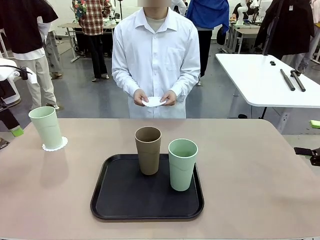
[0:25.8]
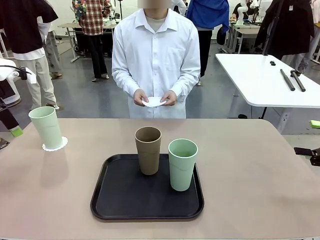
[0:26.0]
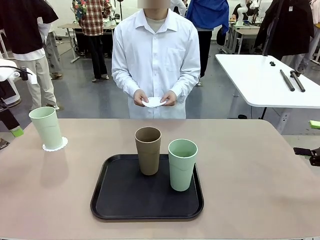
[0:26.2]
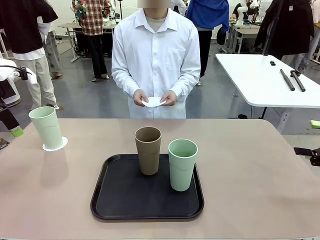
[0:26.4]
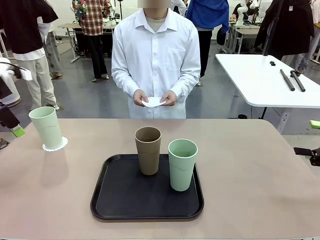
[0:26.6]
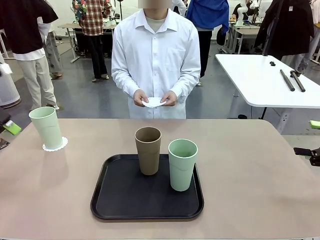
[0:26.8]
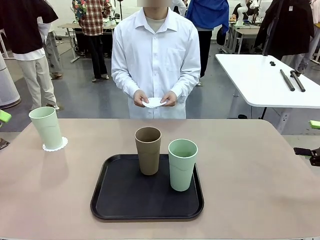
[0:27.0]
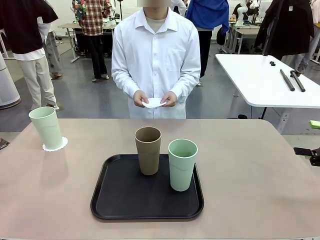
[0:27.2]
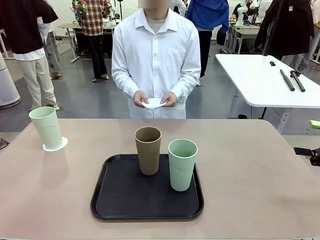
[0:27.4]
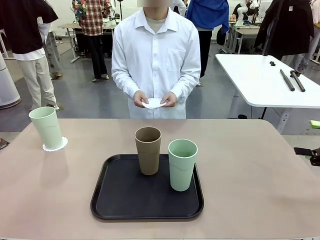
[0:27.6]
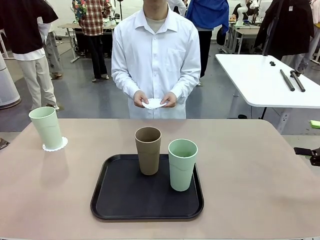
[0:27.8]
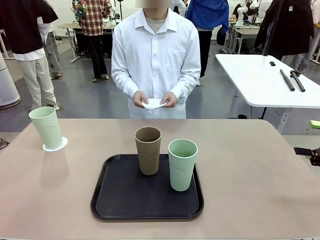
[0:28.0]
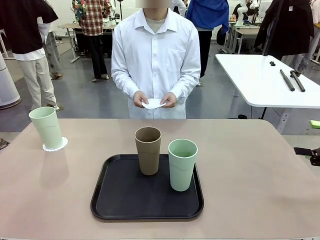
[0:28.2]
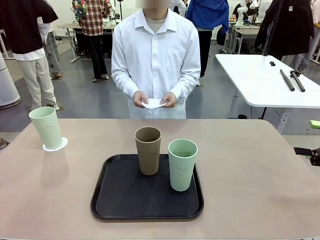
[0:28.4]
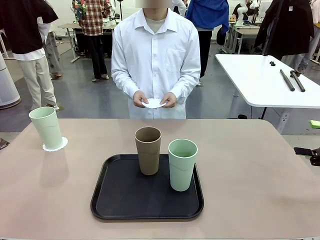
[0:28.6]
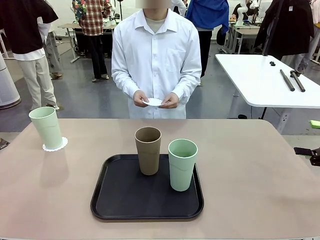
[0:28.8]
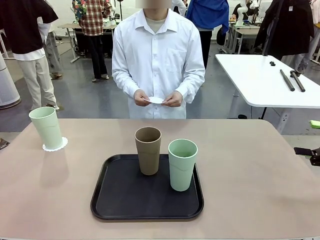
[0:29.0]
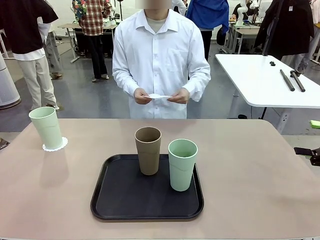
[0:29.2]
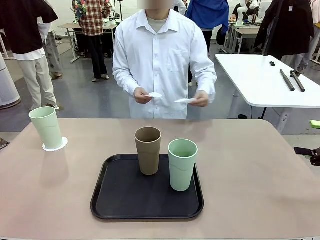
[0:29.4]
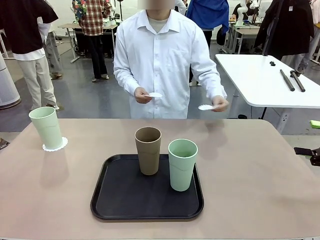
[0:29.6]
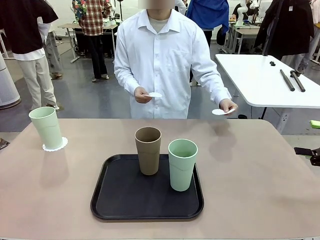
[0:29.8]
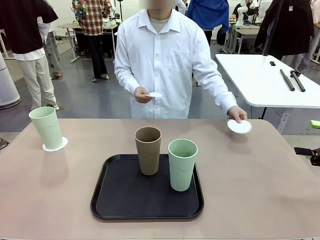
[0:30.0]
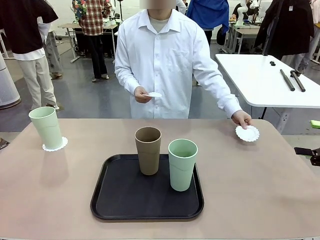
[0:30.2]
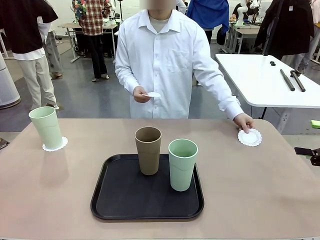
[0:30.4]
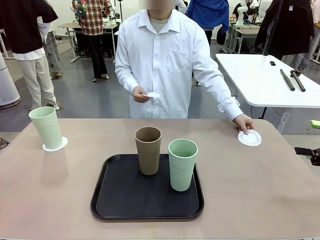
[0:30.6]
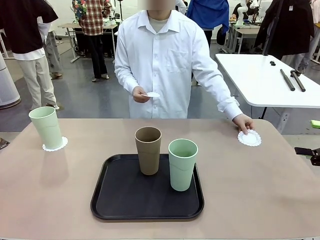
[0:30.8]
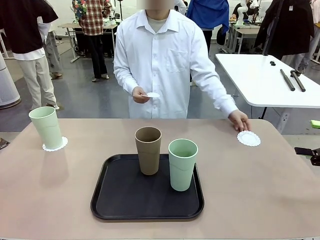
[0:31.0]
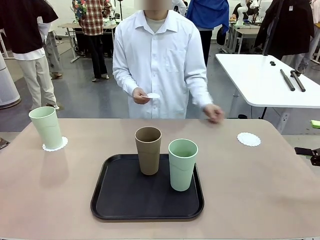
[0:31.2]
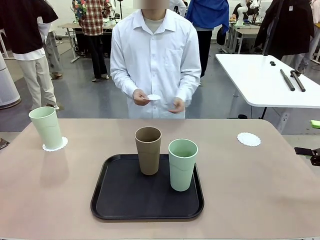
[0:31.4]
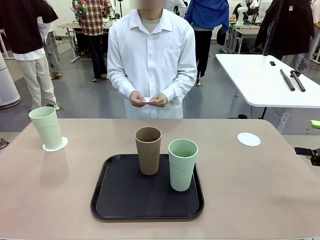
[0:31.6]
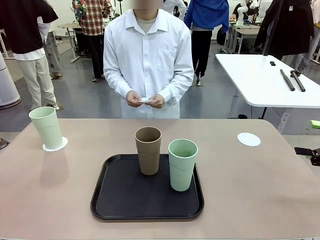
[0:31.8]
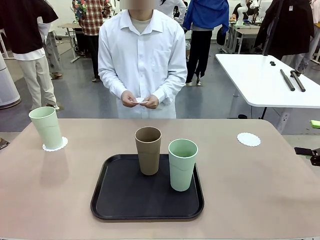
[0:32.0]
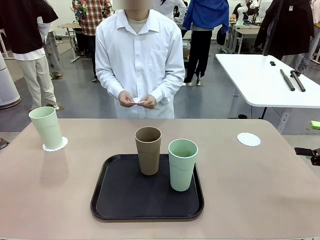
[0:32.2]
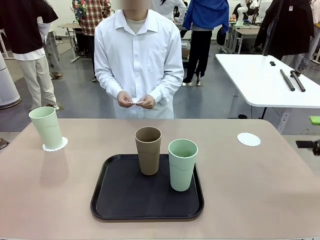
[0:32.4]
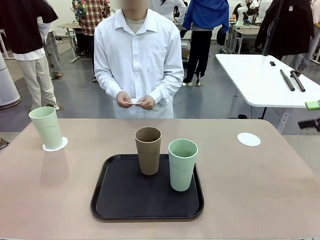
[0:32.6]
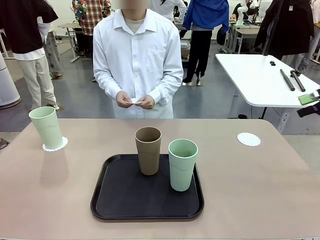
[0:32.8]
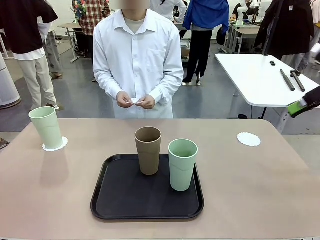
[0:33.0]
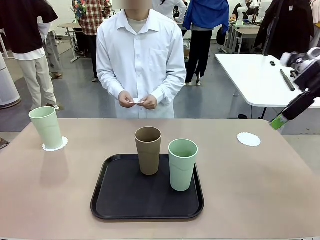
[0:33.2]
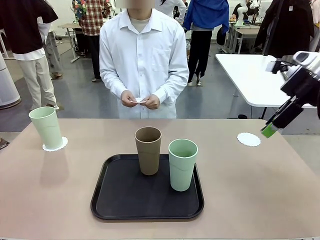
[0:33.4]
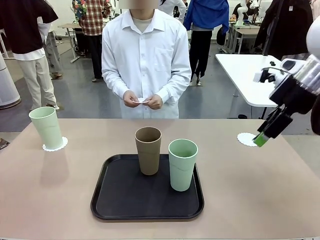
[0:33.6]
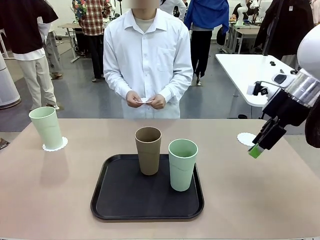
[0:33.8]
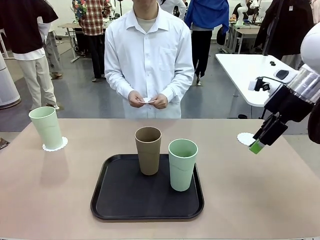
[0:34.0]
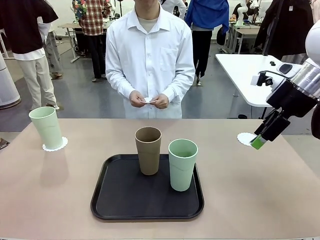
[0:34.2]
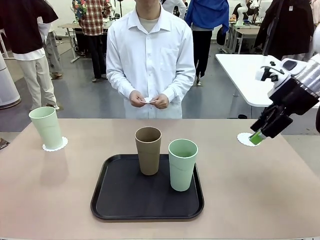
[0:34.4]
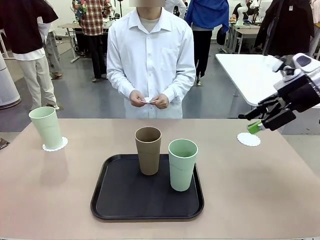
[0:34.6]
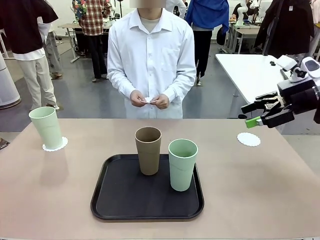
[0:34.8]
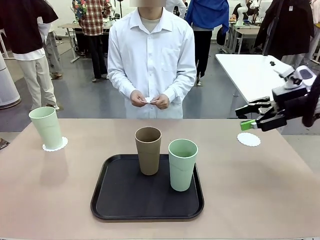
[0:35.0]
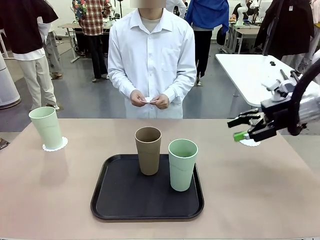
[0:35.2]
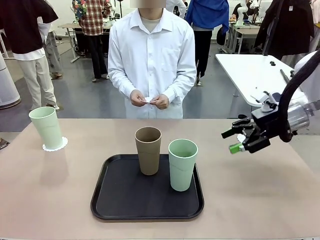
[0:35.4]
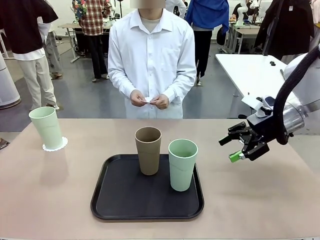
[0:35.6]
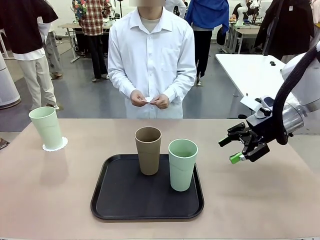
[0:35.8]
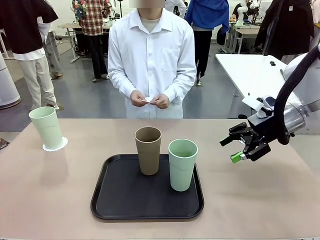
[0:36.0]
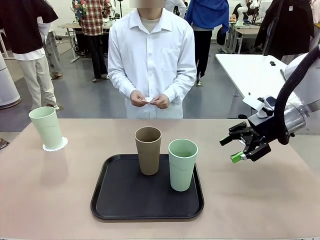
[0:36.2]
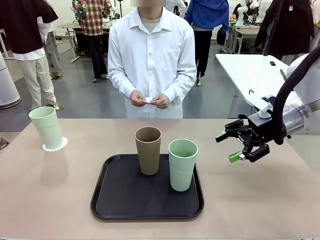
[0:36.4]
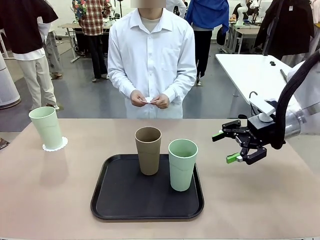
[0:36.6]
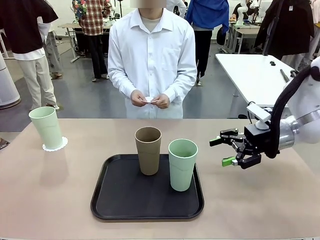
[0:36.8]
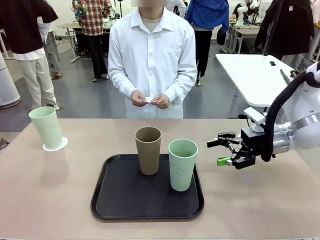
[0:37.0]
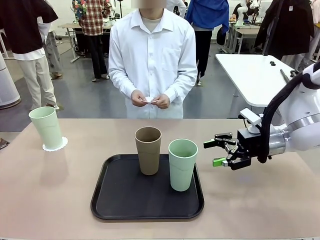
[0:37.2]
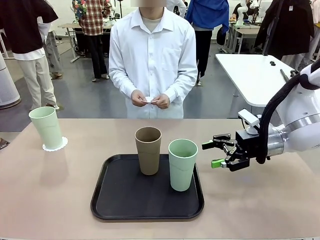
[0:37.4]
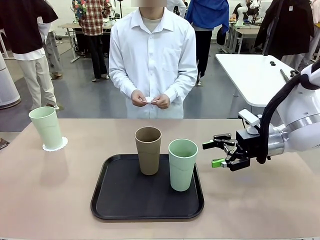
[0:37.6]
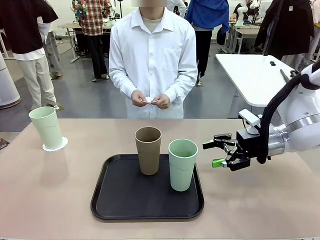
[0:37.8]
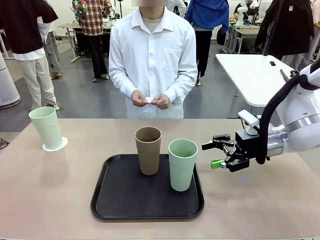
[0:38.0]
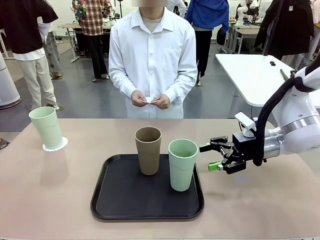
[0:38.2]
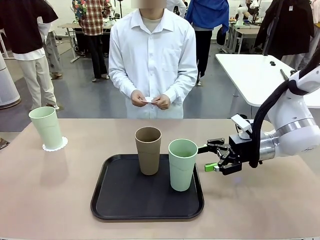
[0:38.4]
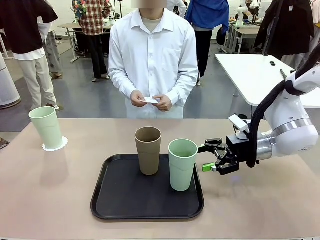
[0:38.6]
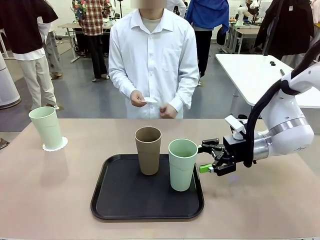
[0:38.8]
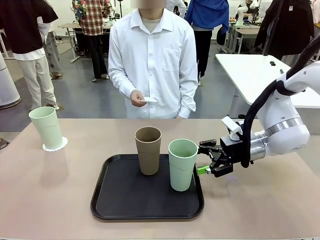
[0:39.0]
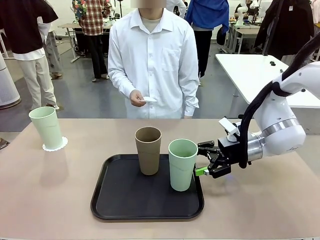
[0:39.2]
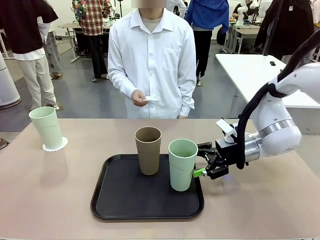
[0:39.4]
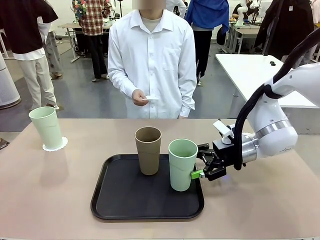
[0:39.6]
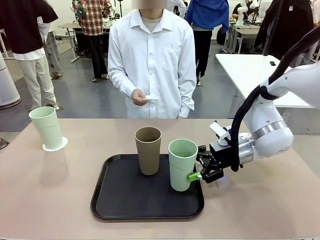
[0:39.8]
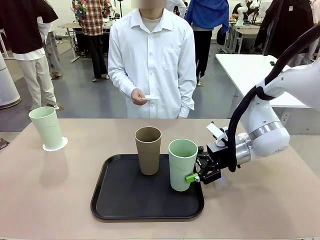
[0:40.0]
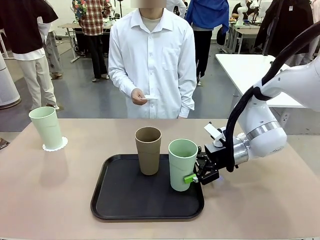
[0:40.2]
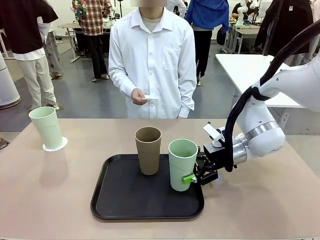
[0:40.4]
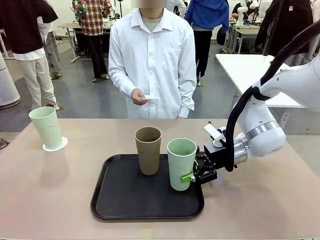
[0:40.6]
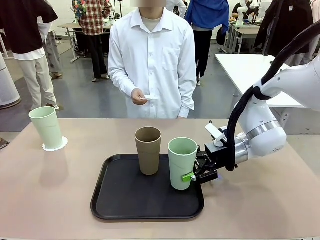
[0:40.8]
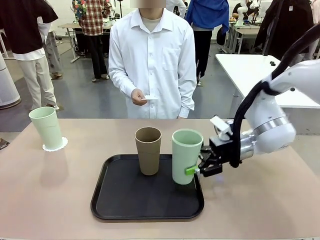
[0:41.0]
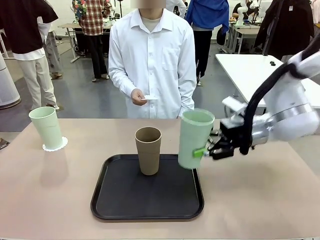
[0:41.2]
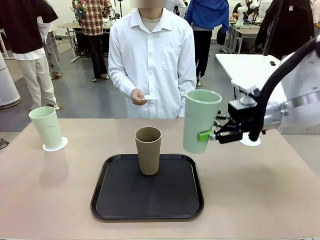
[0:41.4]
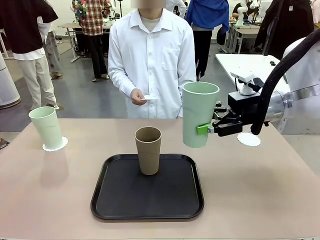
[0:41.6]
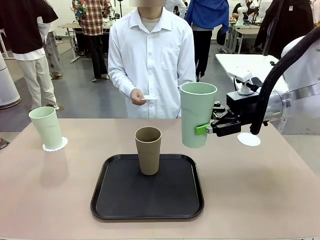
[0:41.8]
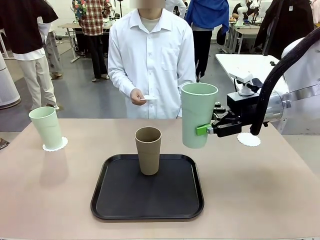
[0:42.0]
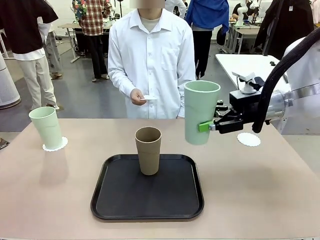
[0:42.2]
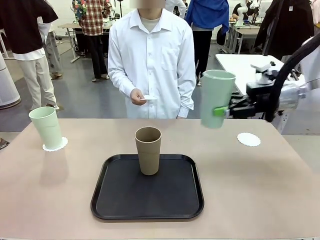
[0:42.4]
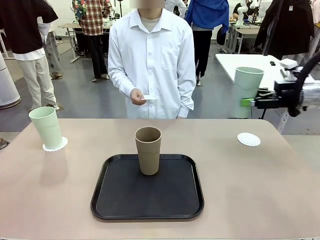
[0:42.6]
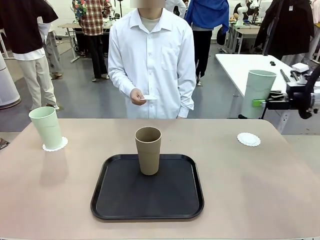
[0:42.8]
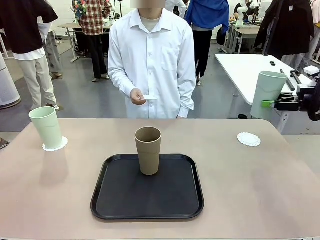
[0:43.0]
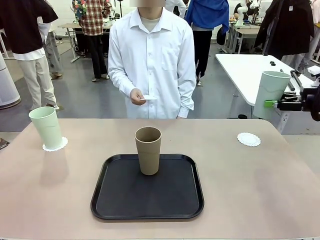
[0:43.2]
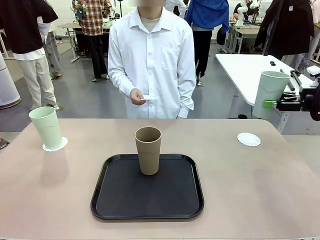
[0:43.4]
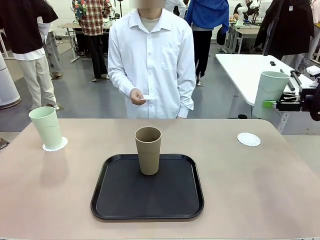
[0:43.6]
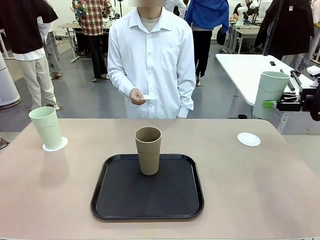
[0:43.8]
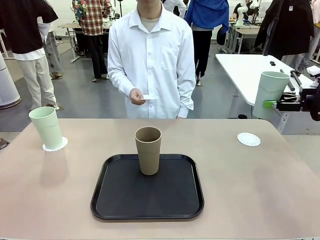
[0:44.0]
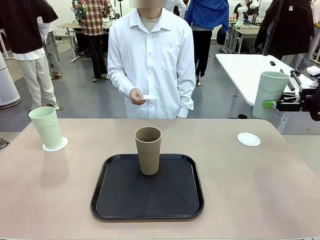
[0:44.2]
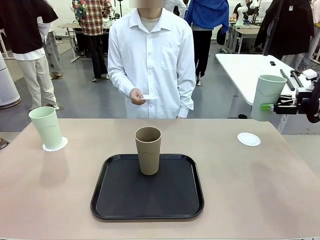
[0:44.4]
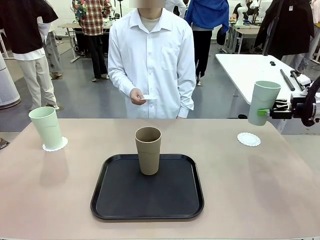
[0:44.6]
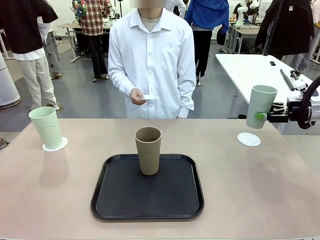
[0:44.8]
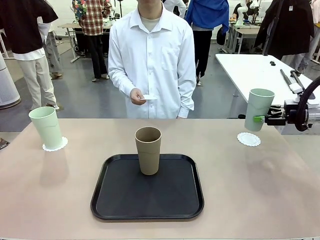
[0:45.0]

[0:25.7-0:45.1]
Task: Place coasters on the table and set cups on them.
Robot: Take one Reusable plastic cup from the Flat Tray and place it on a coaster set by the human.
